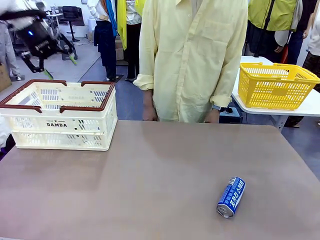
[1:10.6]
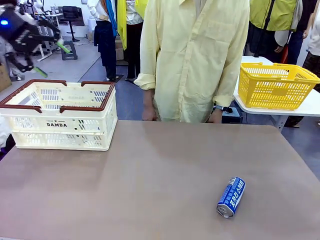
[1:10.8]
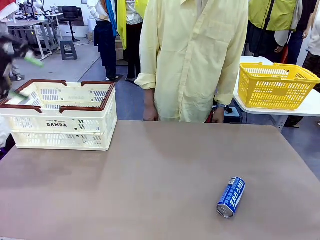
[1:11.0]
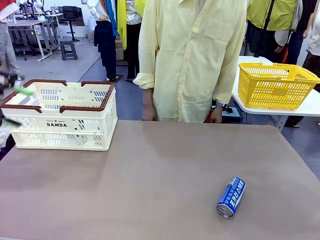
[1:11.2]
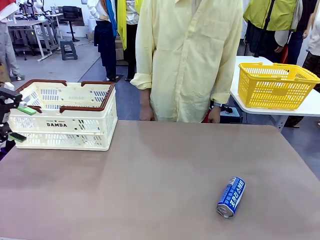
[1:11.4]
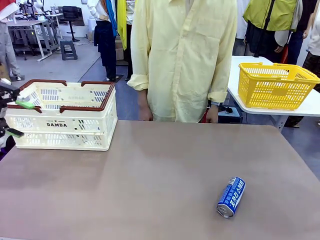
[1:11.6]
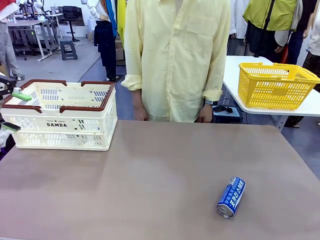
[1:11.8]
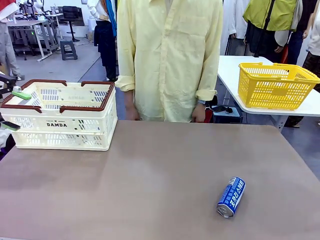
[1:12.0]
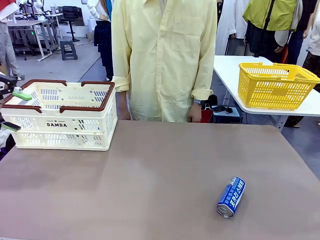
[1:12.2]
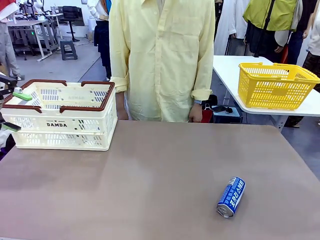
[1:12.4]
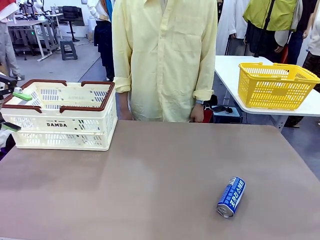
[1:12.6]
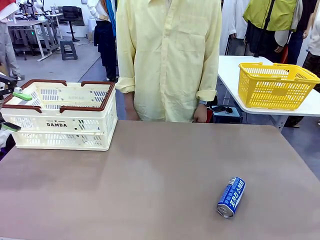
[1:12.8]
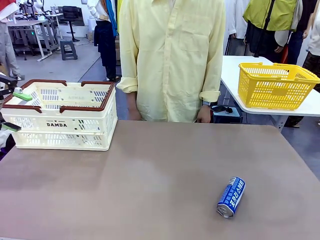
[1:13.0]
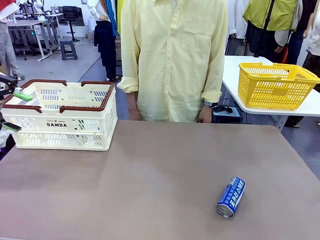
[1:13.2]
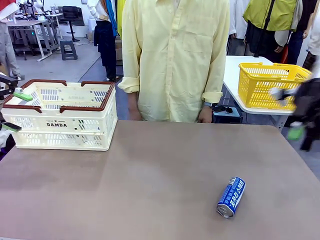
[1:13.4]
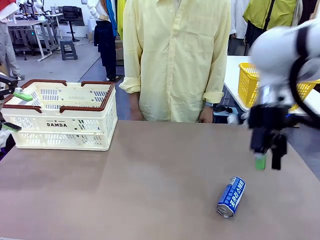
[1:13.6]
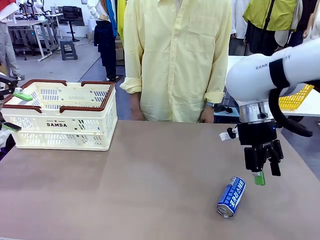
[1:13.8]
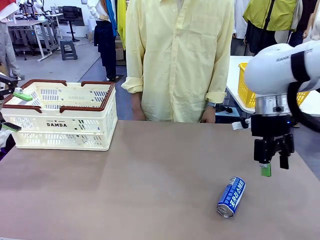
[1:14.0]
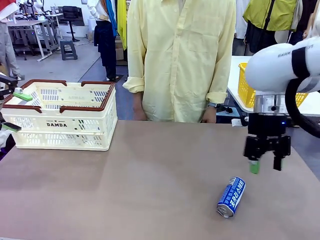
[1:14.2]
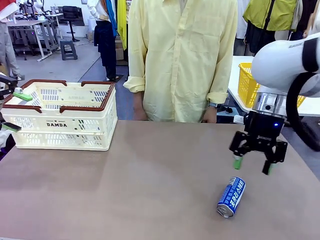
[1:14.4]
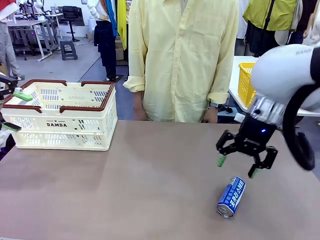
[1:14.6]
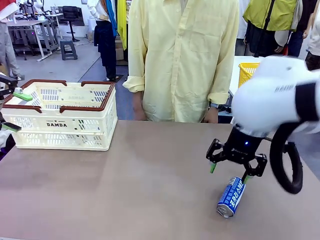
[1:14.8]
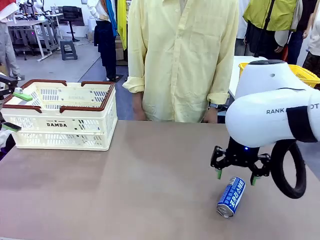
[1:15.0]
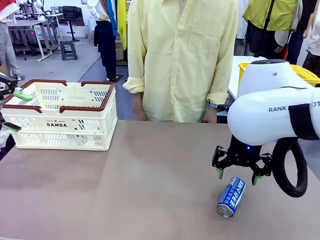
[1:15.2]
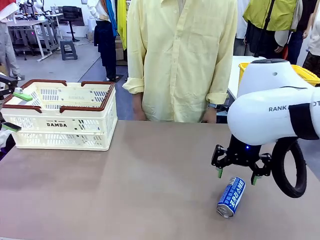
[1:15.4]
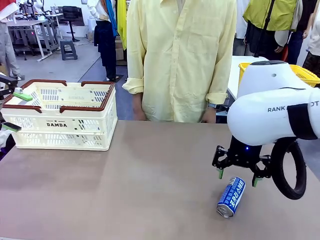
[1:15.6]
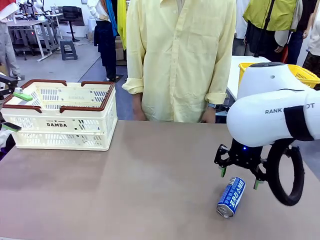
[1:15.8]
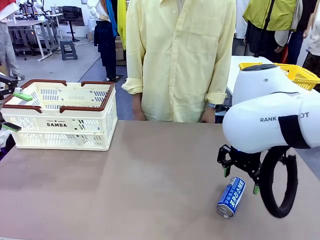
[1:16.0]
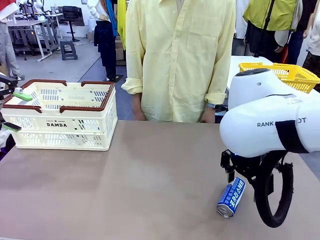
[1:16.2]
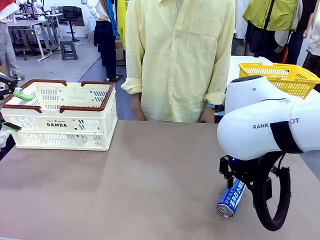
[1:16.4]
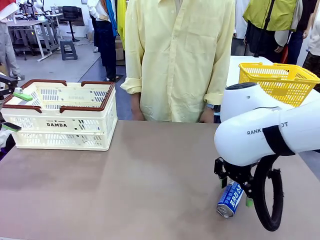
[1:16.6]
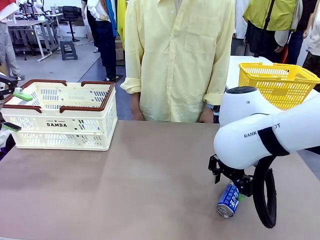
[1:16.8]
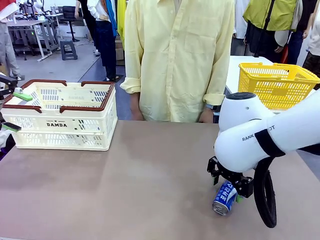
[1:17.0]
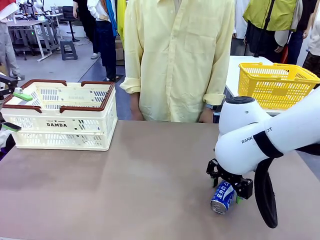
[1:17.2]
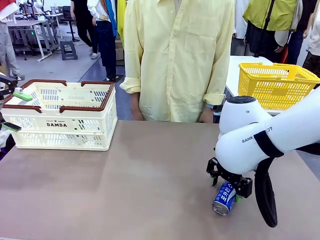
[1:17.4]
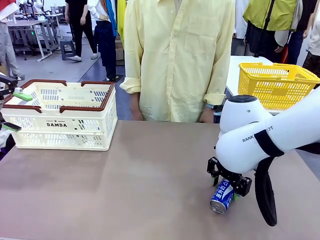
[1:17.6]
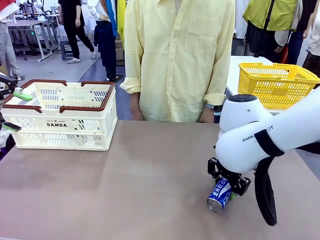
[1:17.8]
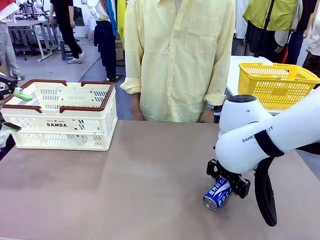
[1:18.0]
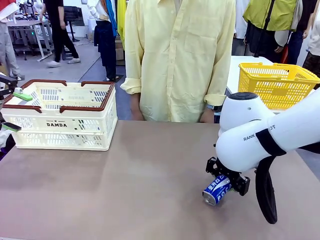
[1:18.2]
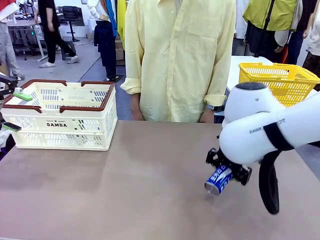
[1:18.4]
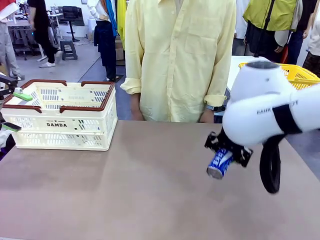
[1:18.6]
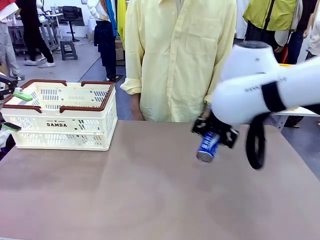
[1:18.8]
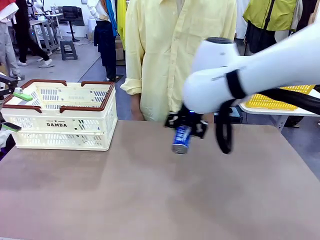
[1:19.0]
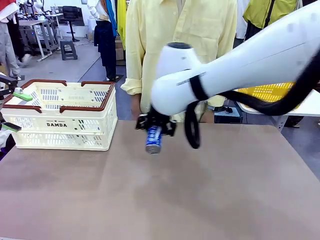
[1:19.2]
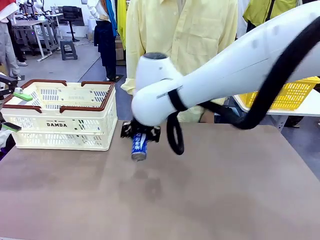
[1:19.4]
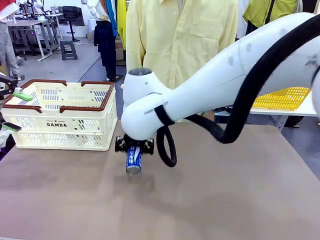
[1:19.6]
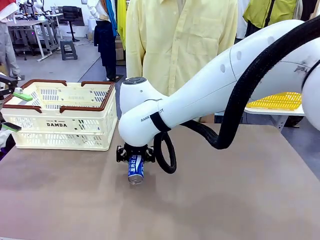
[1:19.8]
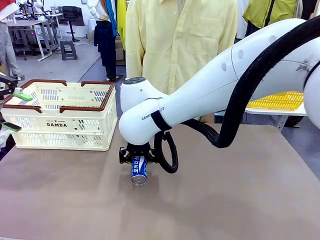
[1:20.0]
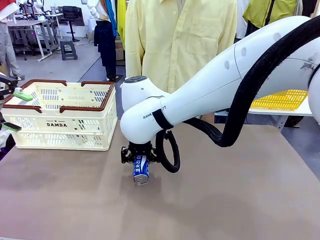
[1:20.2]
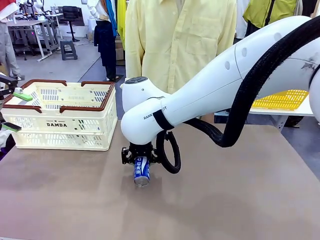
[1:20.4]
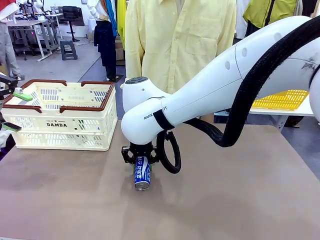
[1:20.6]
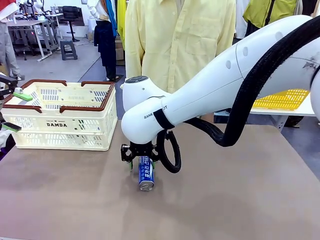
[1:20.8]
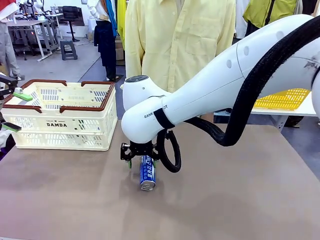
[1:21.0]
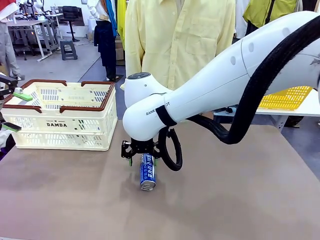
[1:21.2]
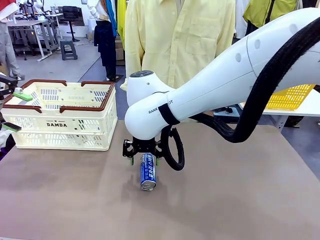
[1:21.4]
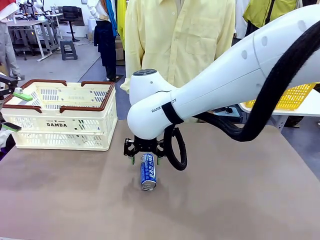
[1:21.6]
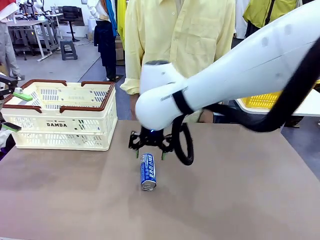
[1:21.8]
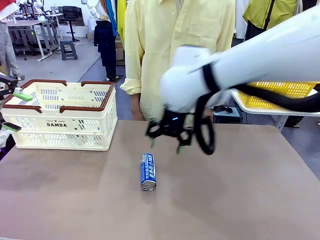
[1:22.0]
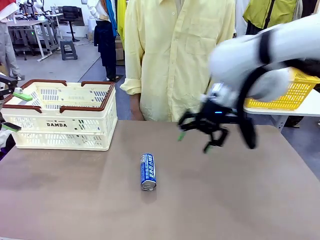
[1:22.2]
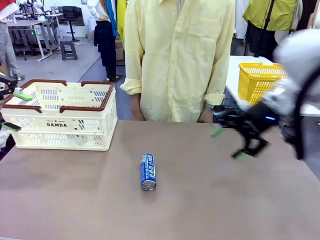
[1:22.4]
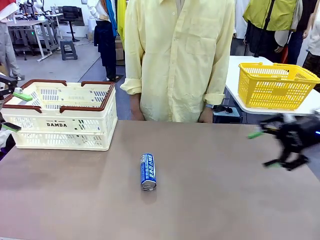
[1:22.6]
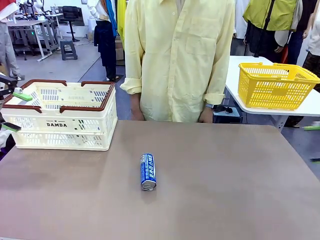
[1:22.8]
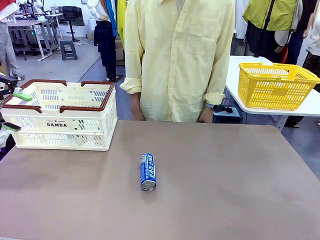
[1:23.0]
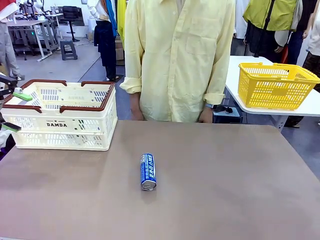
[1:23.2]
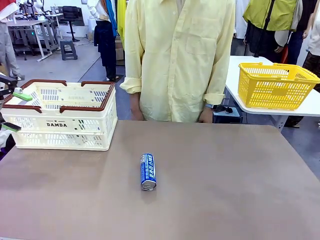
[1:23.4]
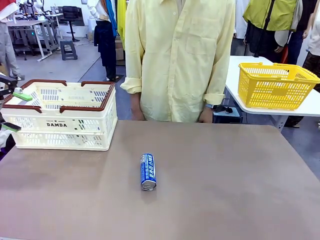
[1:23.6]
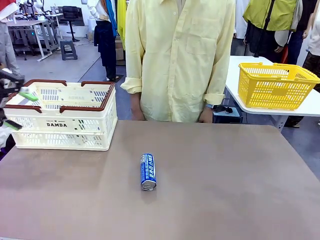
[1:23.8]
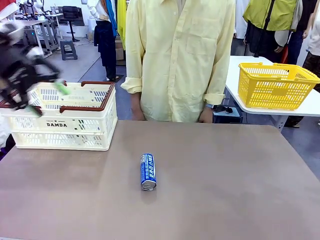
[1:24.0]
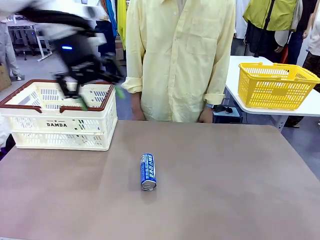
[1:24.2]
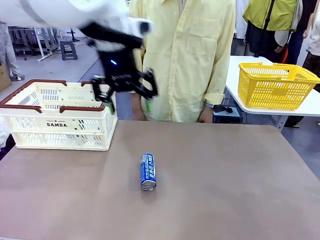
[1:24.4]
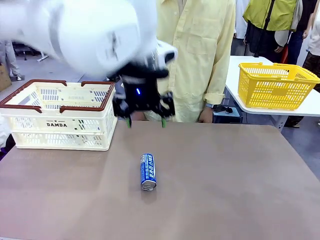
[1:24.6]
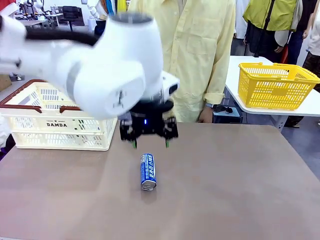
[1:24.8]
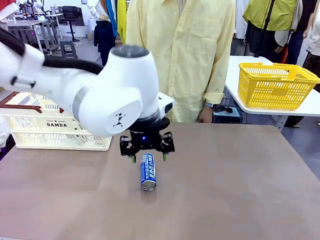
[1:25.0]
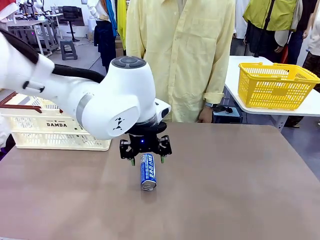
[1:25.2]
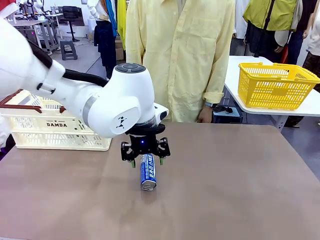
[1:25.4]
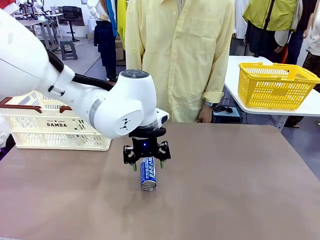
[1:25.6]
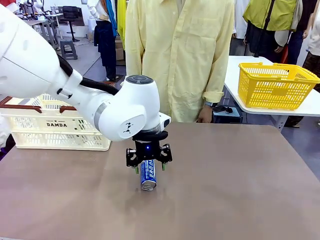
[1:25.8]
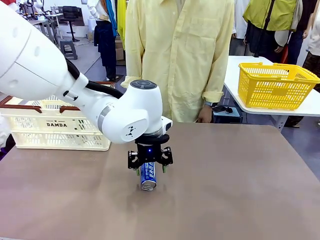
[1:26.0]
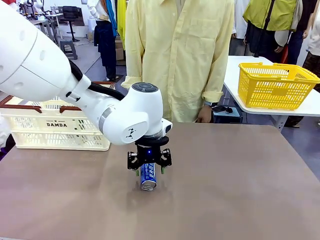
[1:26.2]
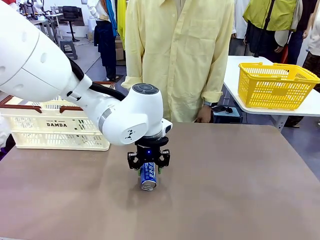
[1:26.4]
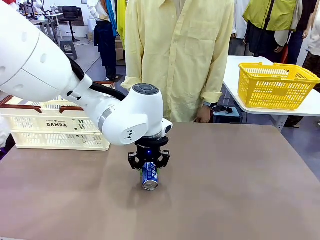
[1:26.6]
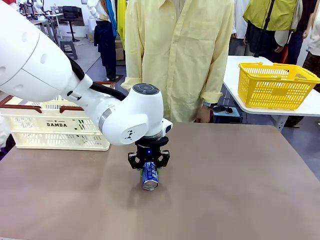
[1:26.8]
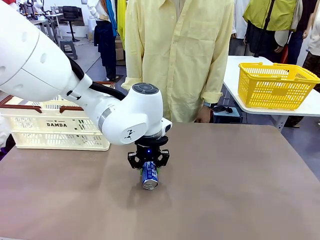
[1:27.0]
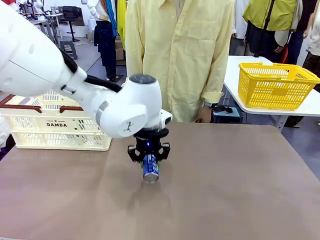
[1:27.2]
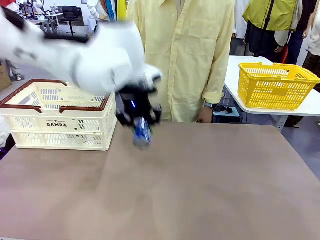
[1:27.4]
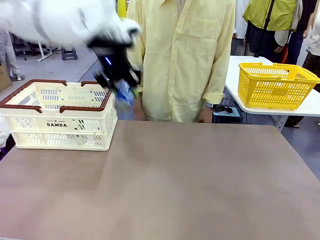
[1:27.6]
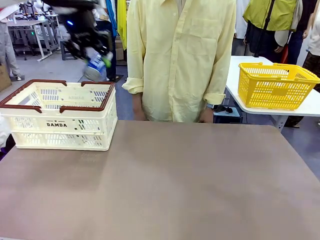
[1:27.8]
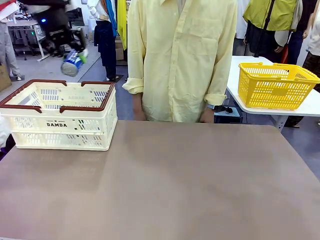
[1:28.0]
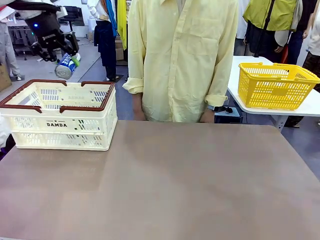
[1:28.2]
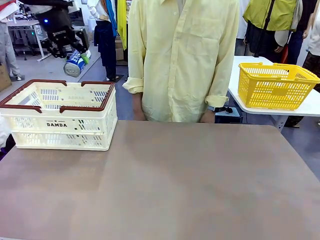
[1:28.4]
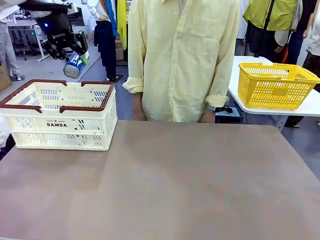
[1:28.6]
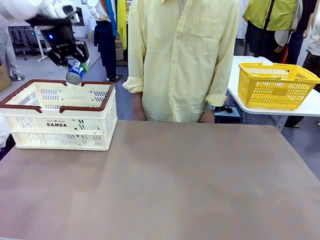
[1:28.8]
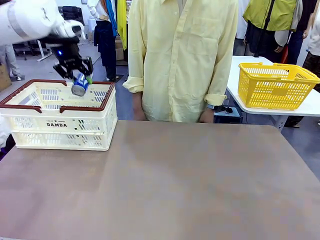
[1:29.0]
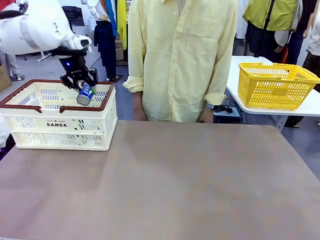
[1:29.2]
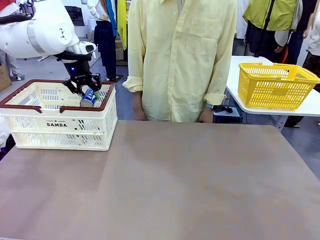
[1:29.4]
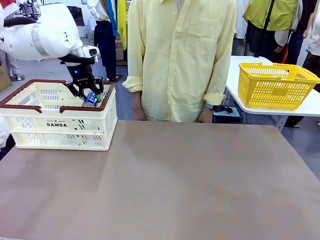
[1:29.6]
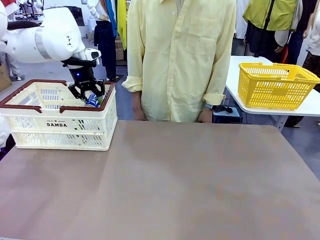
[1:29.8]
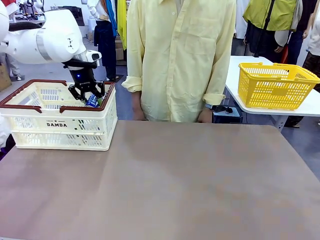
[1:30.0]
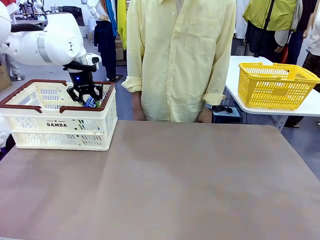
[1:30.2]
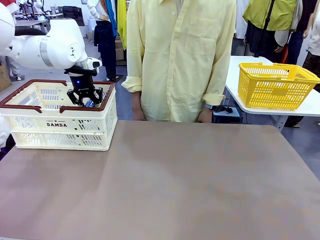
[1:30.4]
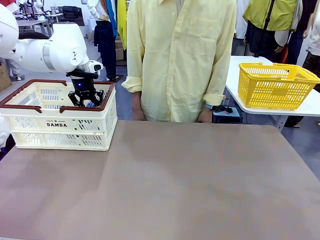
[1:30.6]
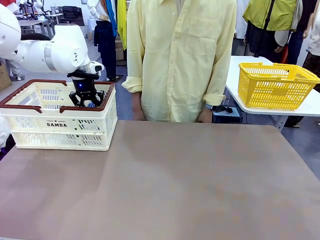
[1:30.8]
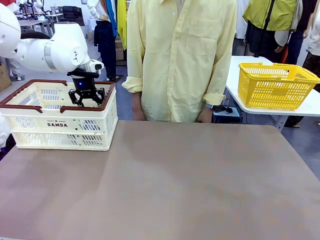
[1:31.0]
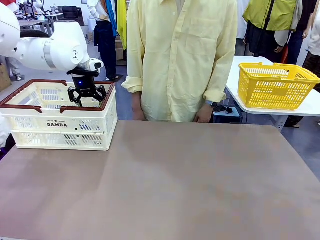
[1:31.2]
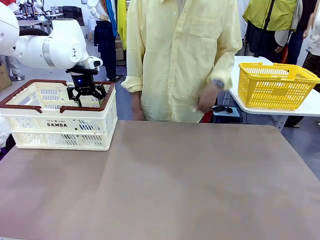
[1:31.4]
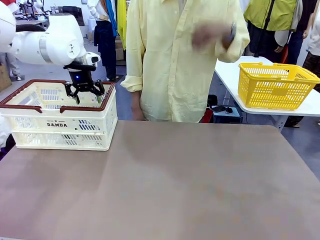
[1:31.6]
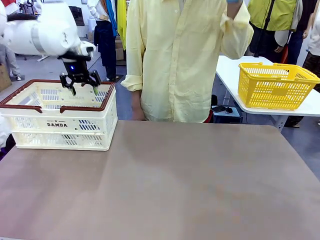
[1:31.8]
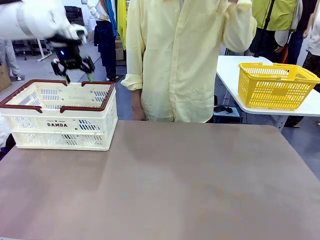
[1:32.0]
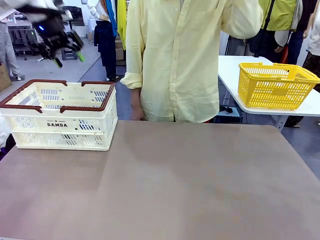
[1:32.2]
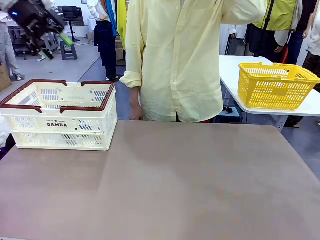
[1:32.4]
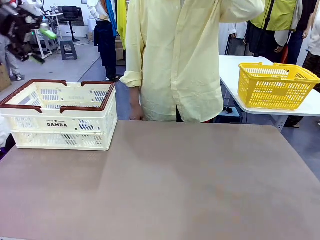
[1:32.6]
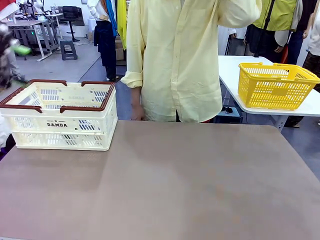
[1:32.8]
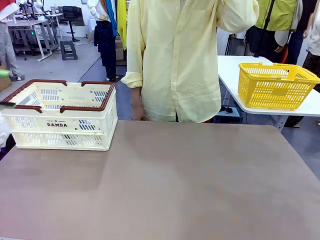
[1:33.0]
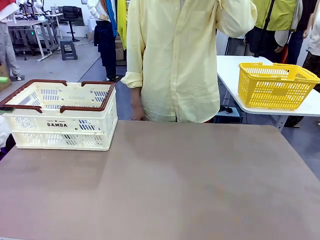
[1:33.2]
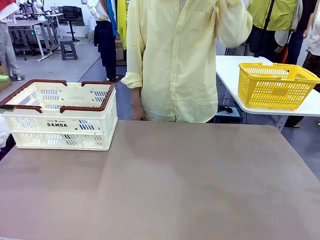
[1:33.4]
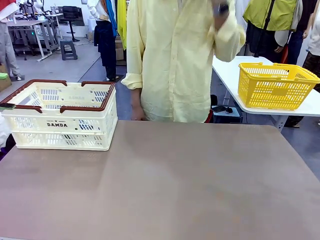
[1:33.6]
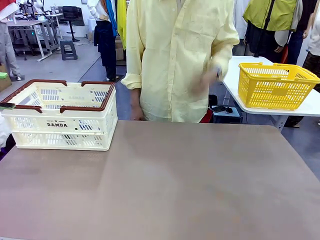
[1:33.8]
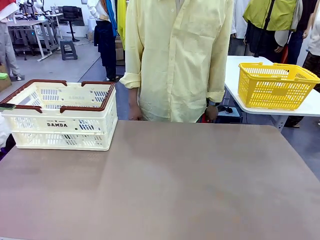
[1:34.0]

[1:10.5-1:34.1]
Task: Place the drinks into the Shopping basket.
Robot: Pick up one drink and place it into the Shopping basket.
